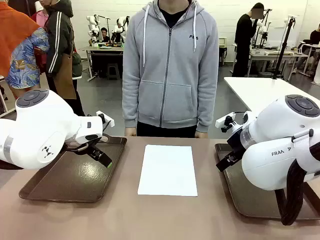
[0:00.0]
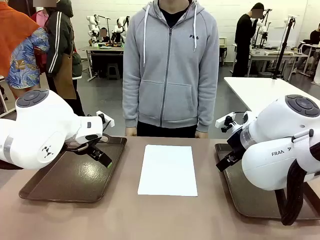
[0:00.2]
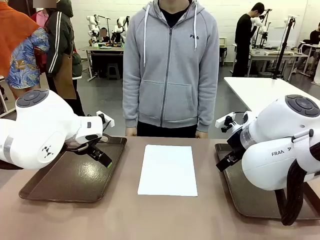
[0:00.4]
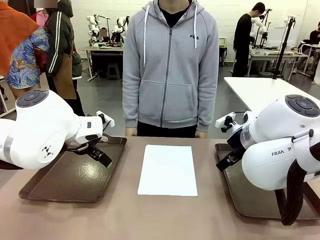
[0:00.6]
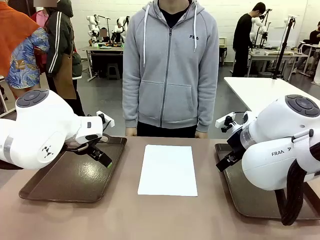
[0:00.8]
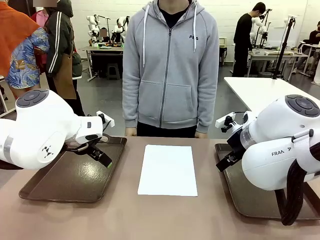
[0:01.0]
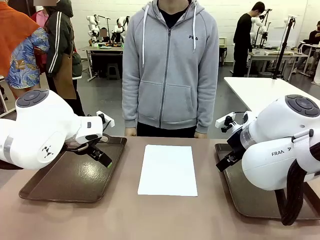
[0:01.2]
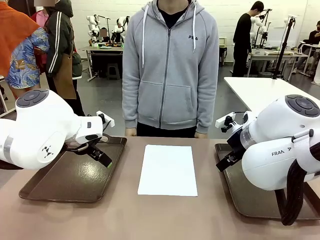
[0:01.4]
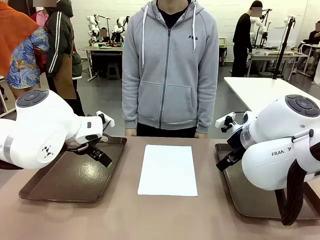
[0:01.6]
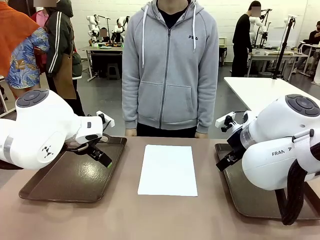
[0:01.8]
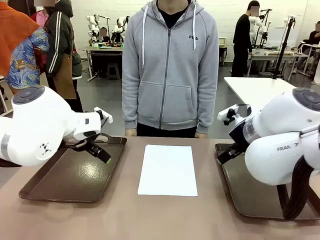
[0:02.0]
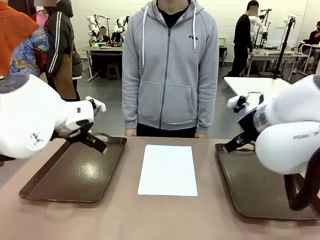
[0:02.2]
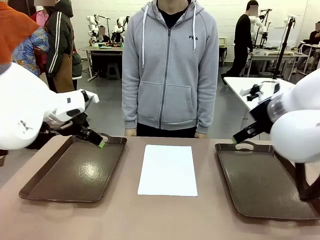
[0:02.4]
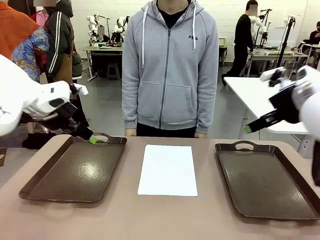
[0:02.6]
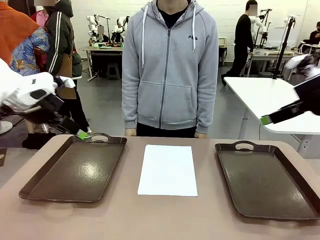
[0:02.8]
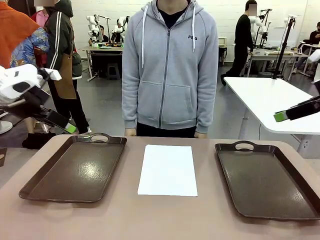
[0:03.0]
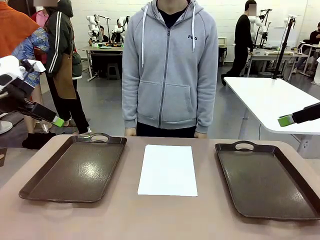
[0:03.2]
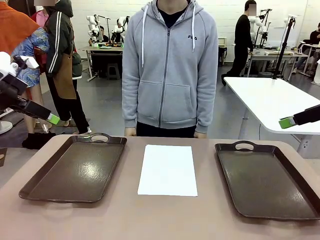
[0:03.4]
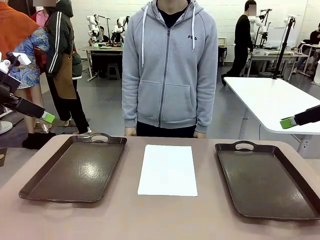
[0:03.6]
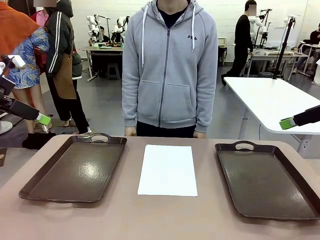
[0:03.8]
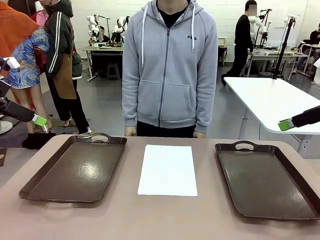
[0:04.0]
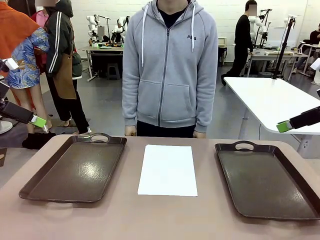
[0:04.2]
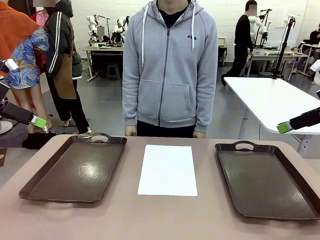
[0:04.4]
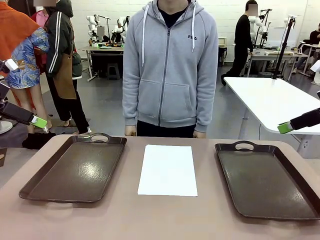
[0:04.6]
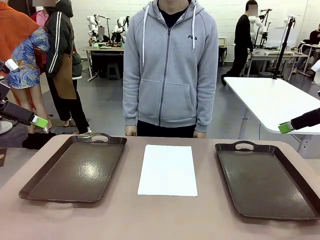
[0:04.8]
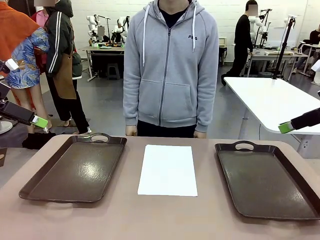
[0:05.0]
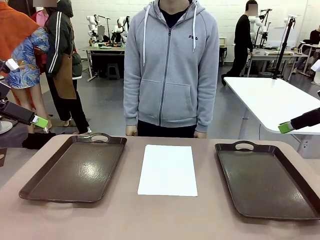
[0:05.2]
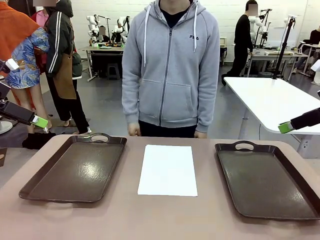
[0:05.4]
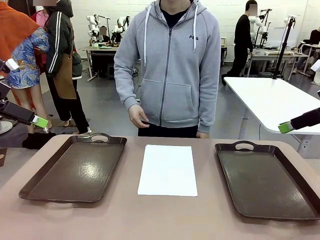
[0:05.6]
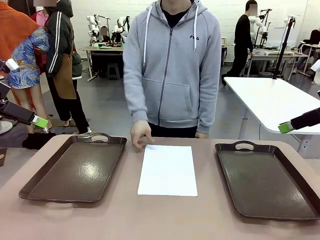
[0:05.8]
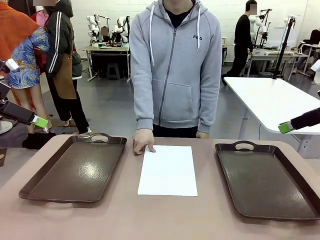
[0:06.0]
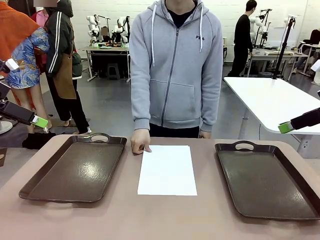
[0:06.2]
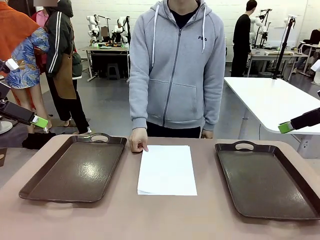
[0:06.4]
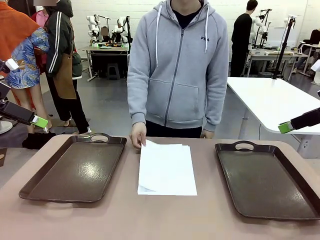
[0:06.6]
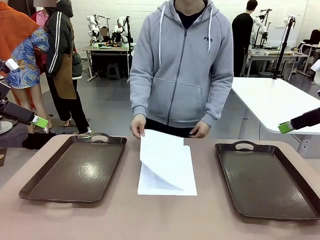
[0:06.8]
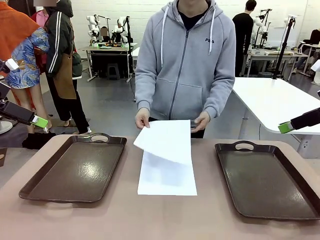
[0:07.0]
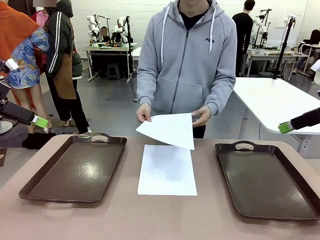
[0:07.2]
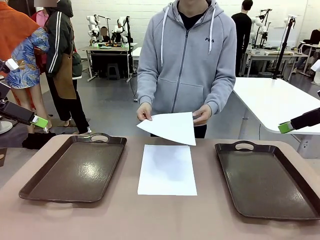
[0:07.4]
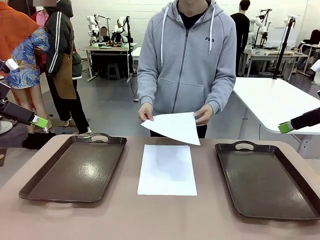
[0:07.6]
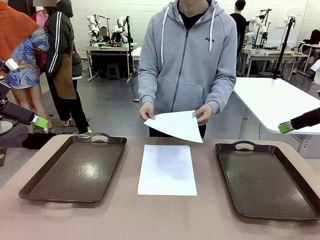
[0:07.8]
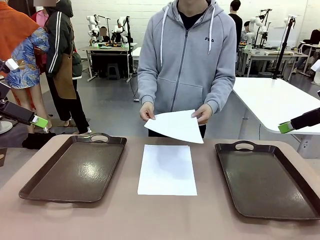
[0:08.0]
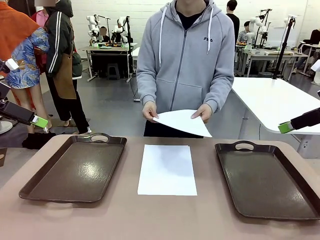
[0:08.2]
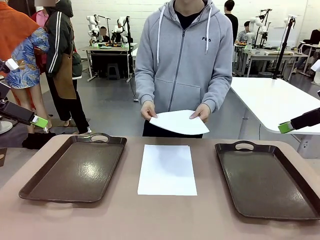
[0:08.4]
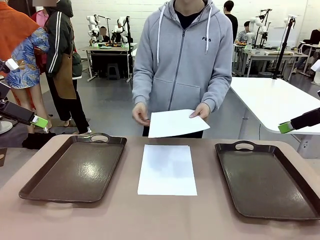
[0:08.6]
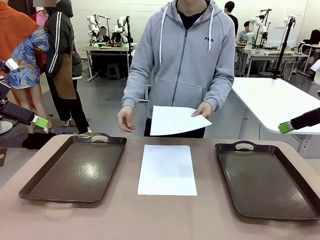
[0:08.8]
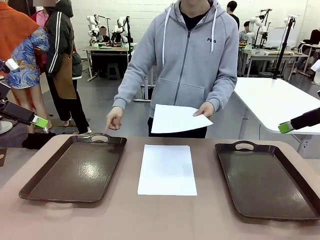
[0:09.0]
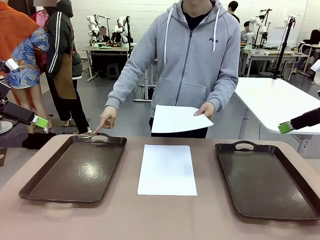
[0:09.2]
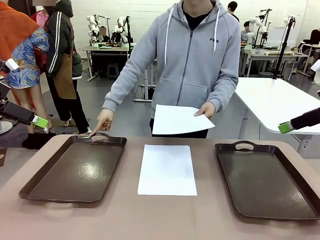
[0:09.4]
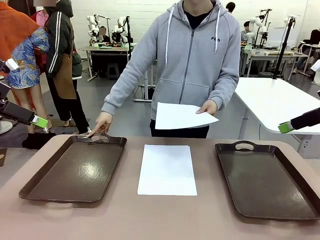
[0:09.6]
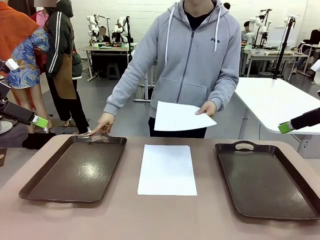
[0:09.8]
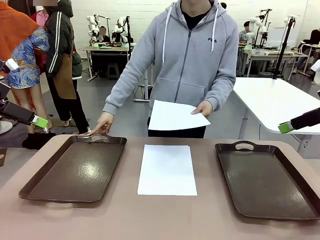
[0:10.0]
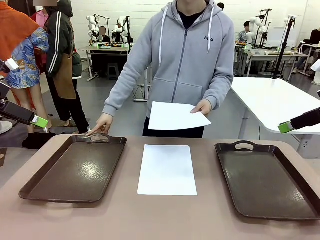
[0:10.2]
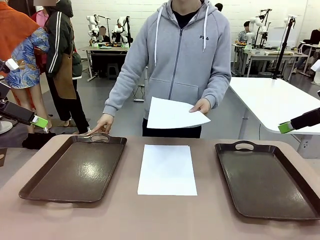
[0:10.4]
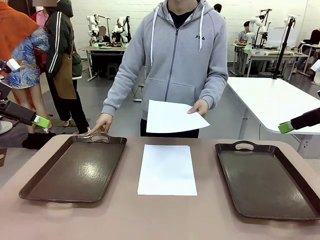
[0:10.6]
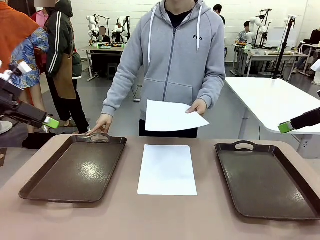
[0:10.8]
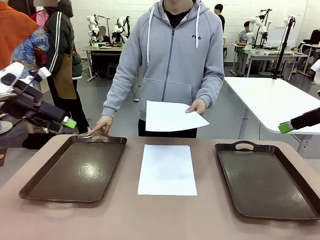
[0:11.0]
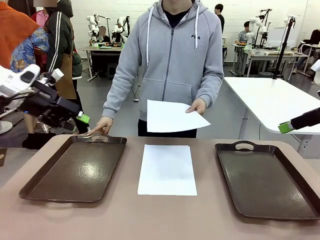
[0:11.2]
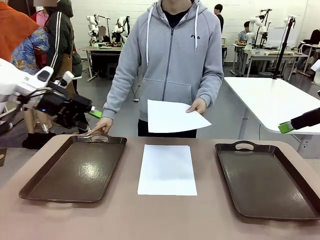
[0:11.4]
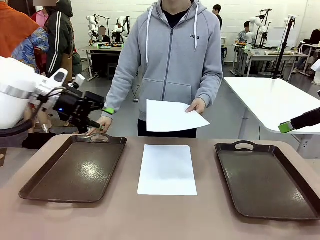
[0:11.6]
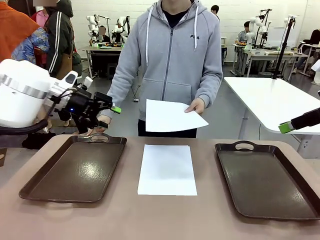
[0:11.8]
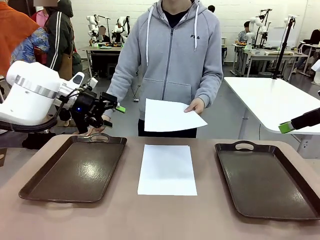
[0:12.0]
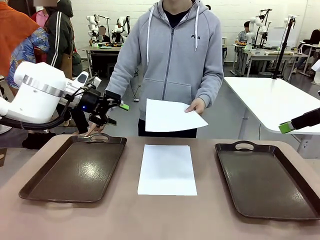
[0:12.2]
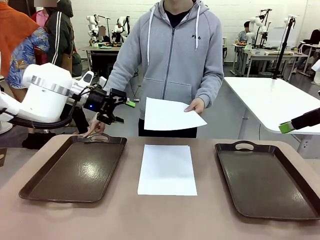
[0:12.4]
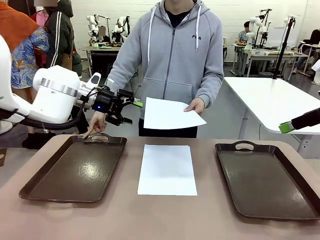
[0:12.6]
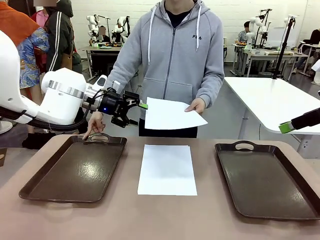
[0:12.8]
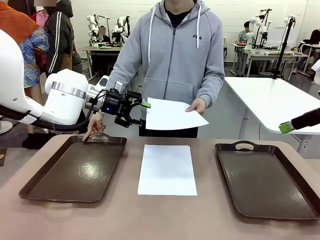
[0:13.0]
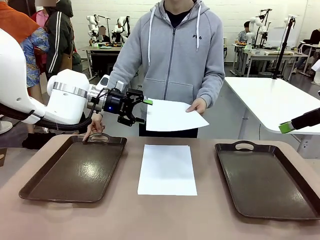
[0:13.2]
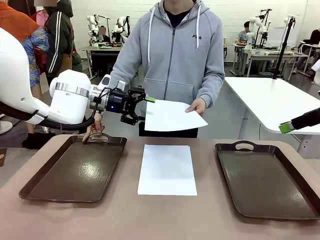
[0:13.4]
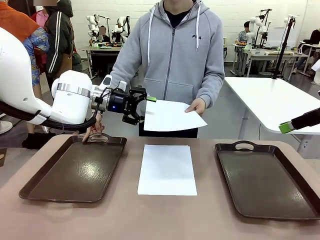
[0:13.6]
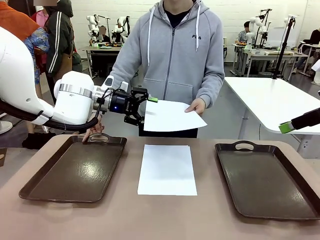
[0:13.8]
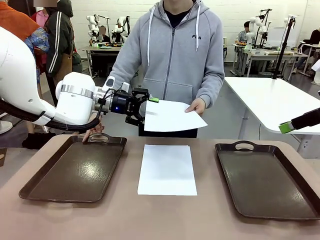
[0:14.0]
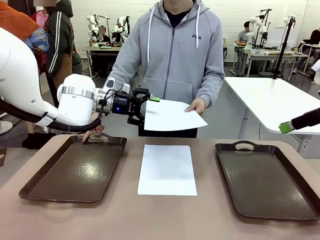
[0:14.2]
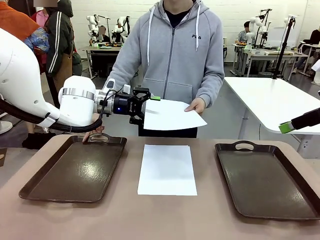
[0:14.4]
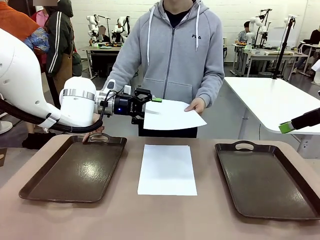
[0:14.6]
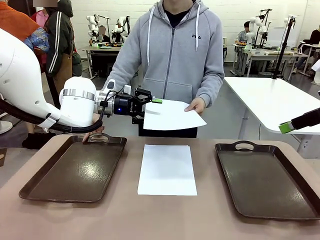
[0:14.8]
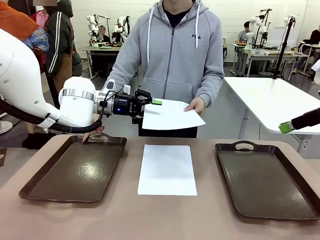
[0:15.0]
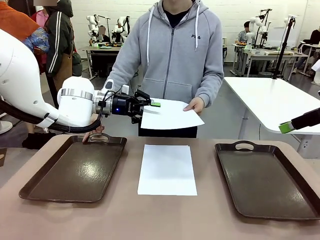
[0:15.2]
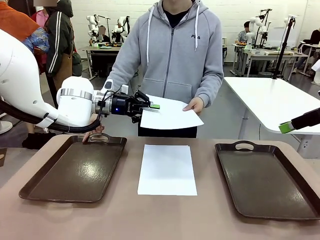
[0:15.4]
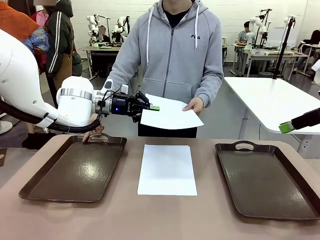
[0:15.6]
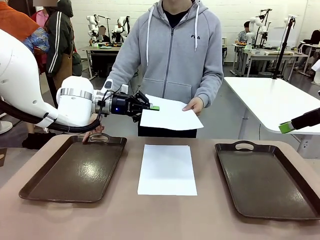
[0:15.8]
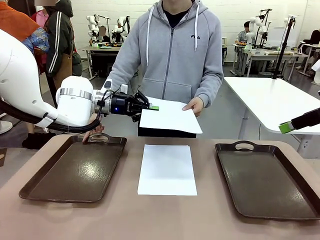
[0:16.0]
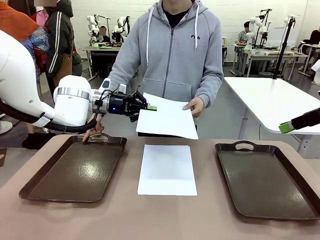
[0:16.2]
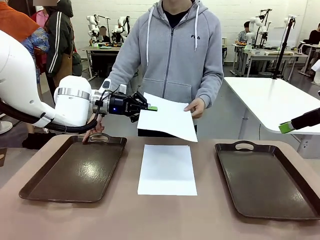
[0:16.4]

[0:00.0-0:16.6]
Task: Sort the A4 documents.
Robot: Receive the A4 Paper.
Person: Pick up a sheet of paper from the center of the table and hand it to the robot. Point the randomly selected tray with the other hand.

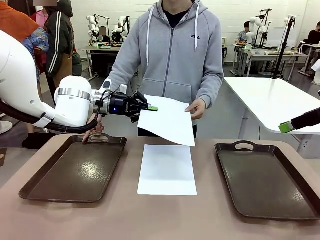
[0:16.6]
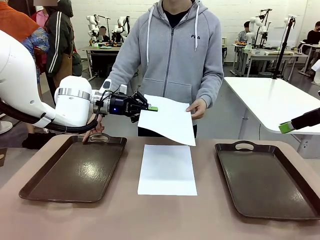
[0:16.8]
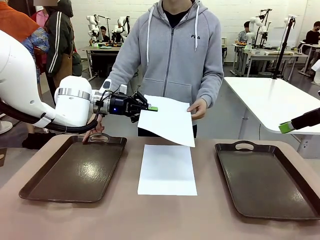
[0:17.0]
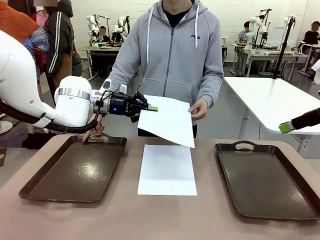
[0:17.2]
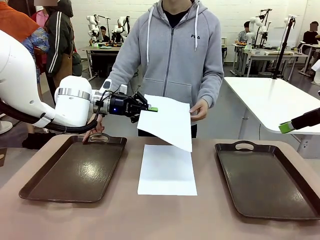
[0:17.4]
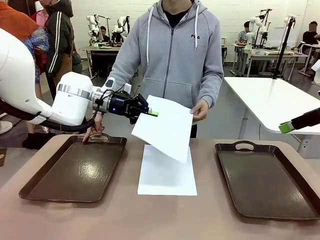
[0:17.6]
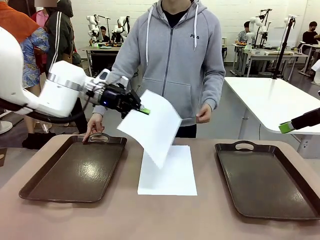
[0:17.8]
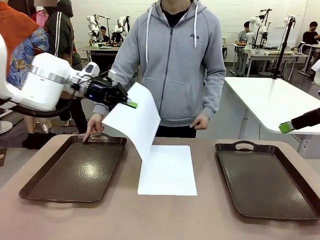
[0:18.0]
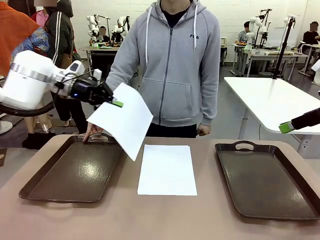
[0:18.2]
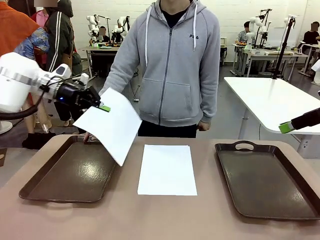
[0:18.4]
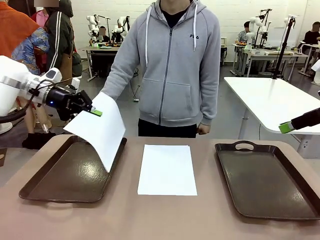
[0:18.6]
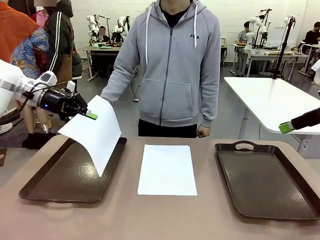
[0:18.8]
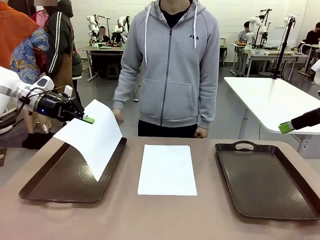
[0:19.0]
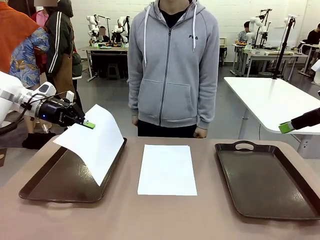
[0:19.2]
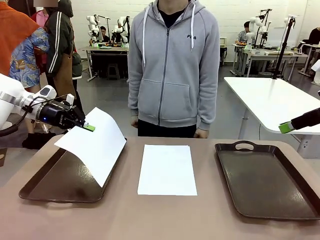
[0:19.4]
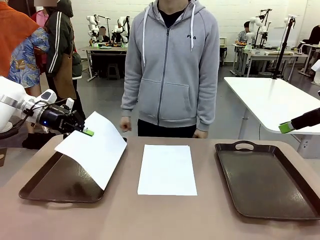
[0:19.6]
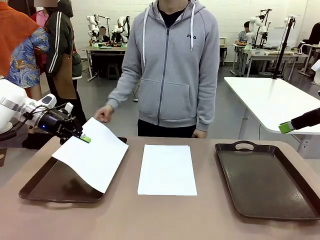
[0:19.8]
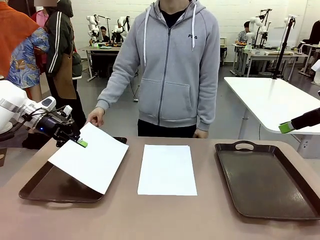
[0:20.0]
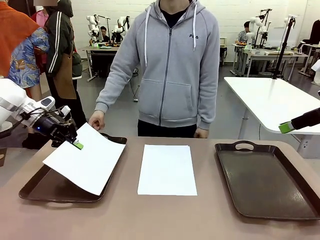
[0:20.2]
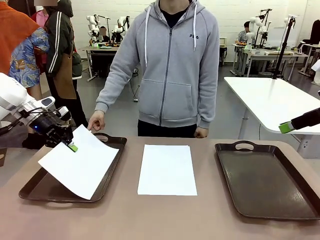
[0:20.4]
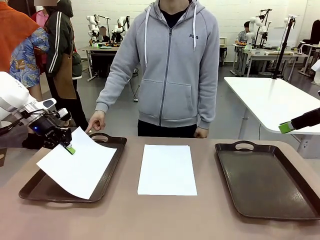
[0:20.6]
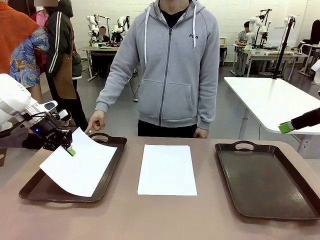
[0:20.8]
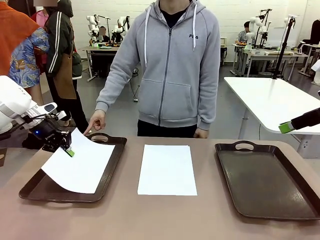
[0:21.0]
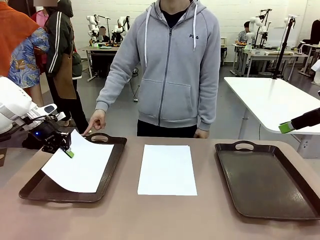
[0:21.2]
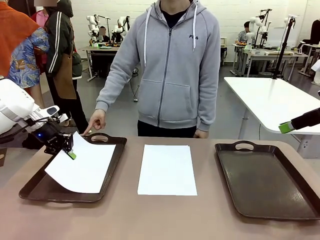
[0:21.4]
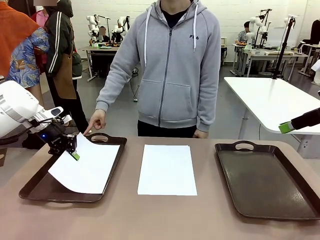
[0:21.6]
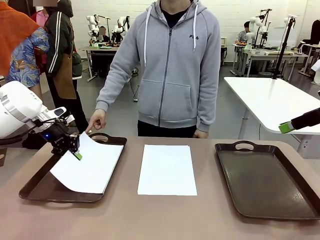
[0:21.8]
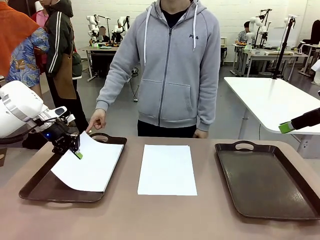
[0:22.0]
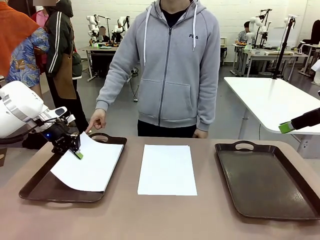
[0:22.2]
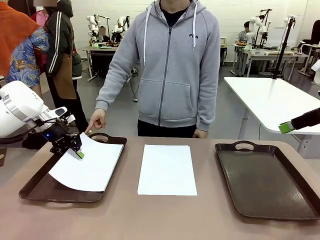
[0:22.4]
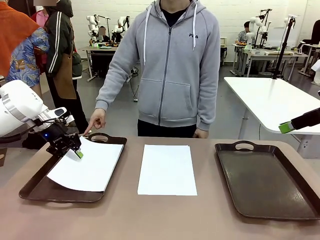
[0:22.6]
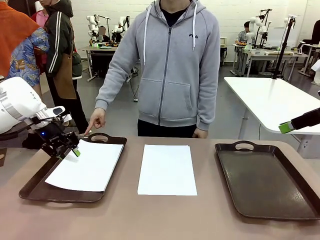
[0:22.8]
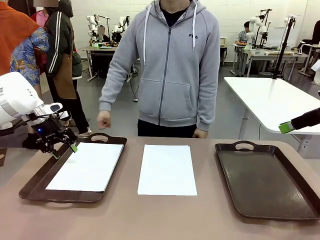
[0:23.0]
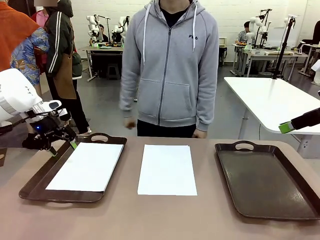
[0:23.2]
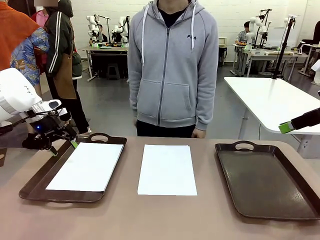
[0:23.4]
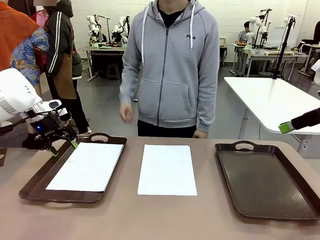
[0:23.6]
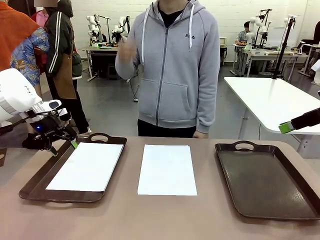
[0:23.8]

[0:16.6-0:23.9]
Robot: Place the A4 Paper in the designated Handle tray.
